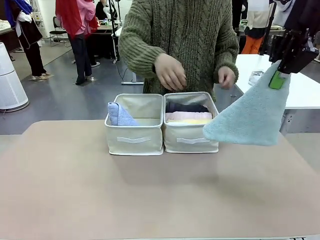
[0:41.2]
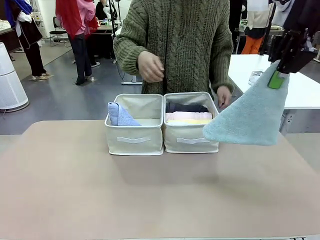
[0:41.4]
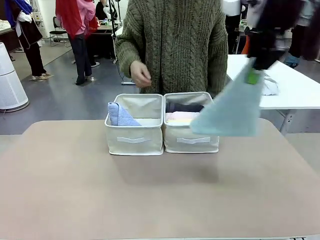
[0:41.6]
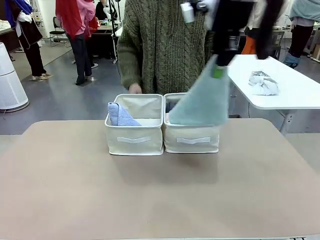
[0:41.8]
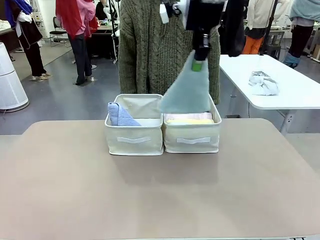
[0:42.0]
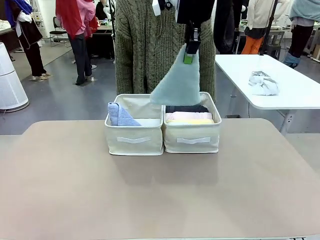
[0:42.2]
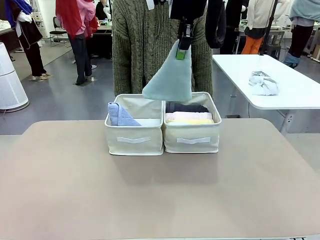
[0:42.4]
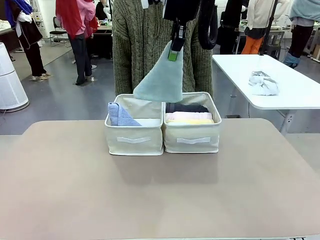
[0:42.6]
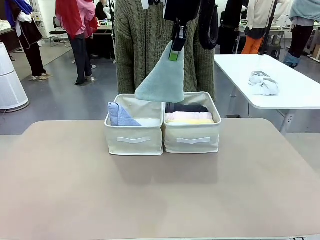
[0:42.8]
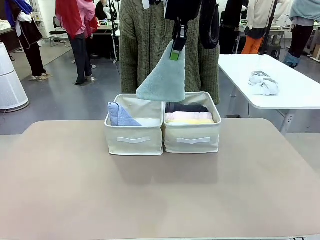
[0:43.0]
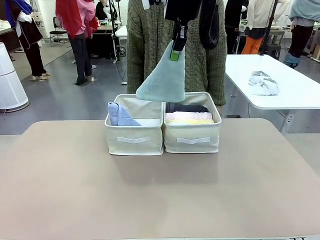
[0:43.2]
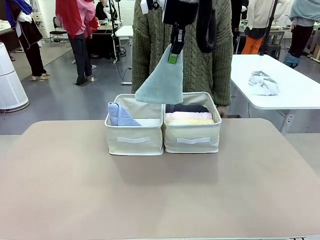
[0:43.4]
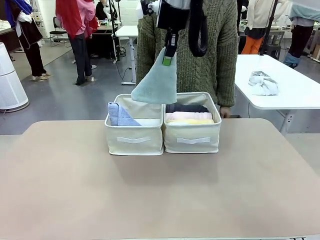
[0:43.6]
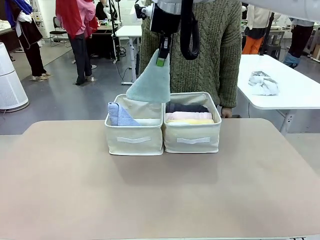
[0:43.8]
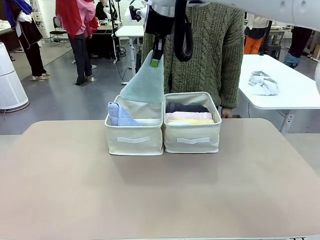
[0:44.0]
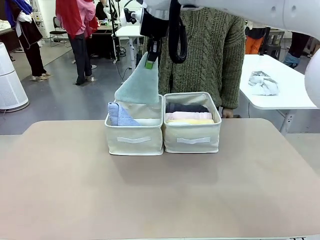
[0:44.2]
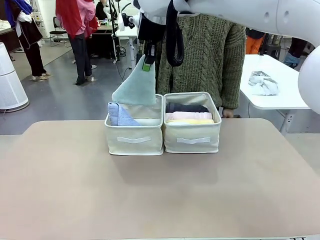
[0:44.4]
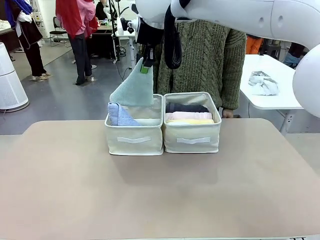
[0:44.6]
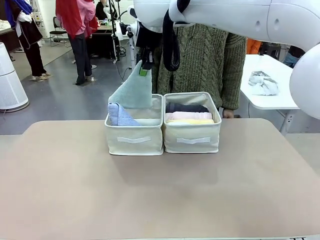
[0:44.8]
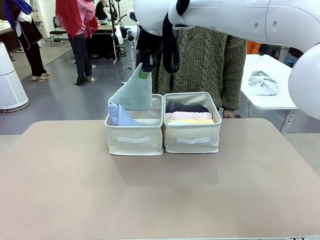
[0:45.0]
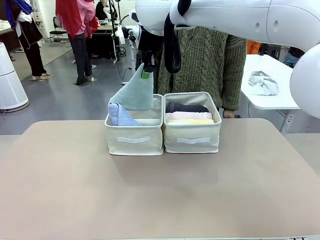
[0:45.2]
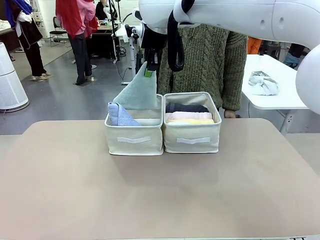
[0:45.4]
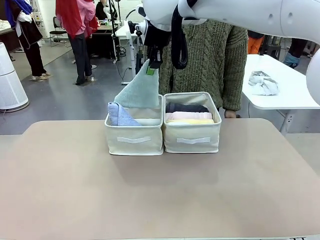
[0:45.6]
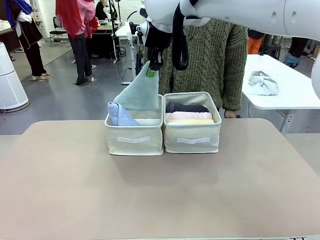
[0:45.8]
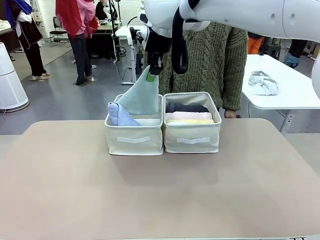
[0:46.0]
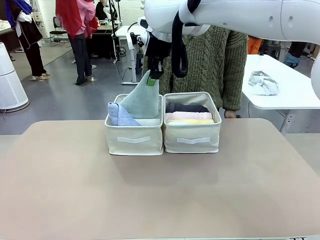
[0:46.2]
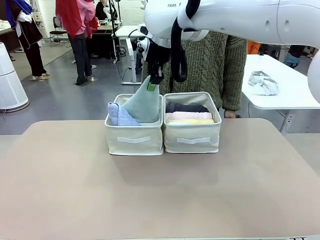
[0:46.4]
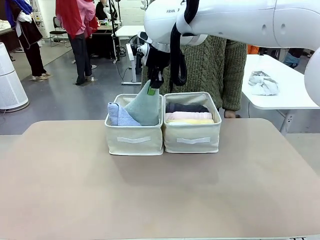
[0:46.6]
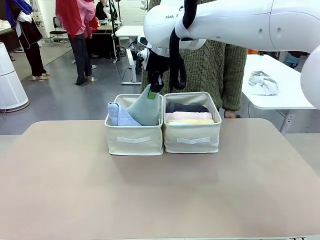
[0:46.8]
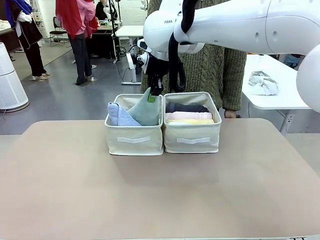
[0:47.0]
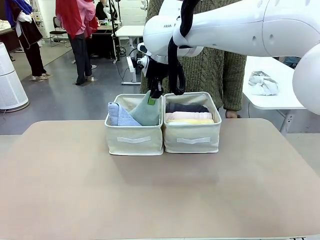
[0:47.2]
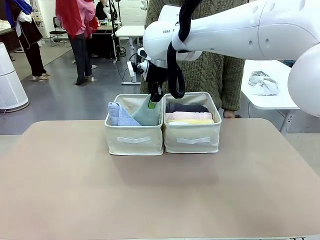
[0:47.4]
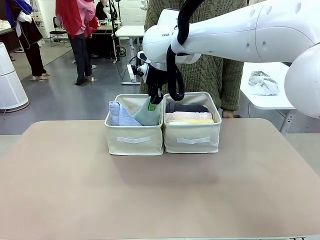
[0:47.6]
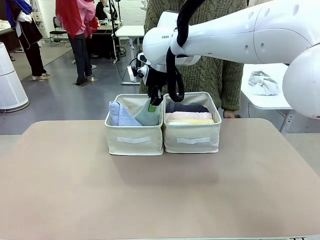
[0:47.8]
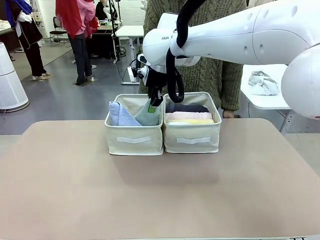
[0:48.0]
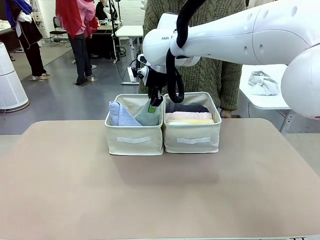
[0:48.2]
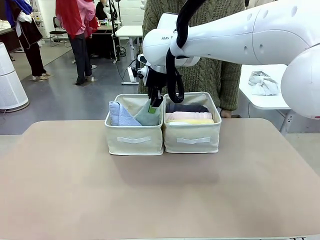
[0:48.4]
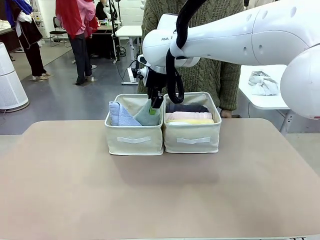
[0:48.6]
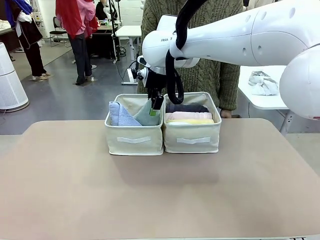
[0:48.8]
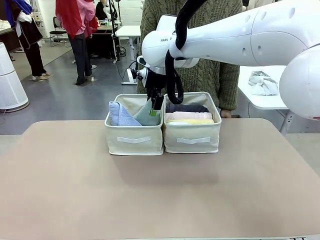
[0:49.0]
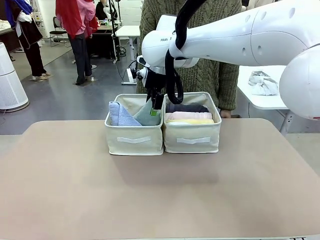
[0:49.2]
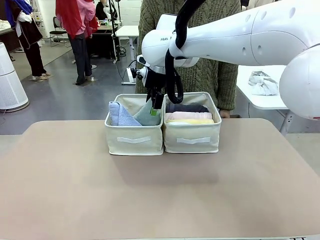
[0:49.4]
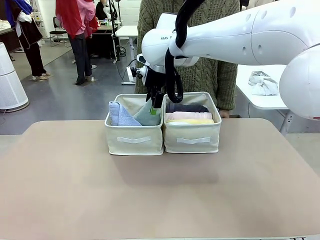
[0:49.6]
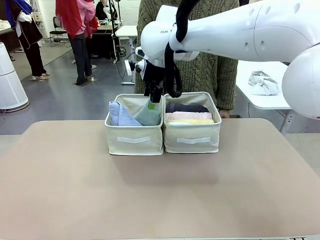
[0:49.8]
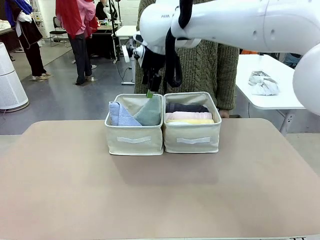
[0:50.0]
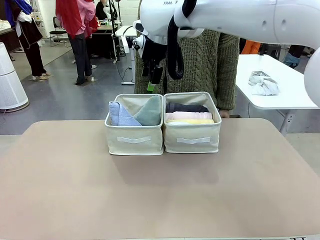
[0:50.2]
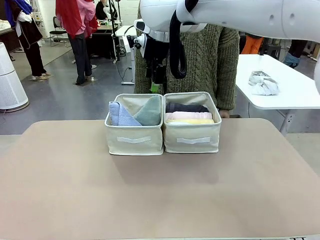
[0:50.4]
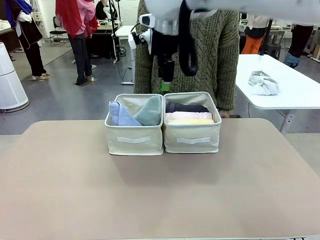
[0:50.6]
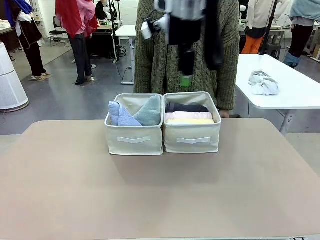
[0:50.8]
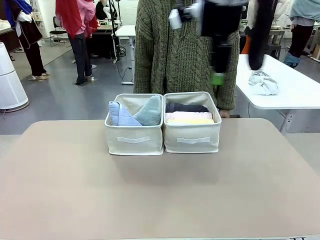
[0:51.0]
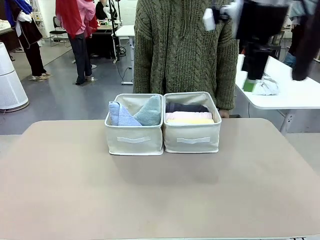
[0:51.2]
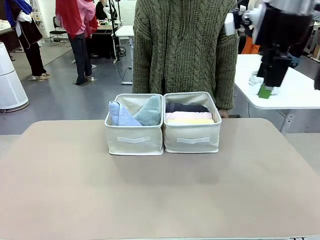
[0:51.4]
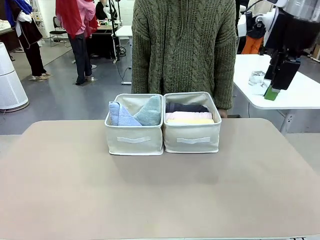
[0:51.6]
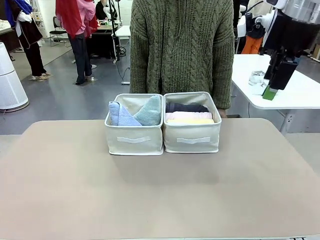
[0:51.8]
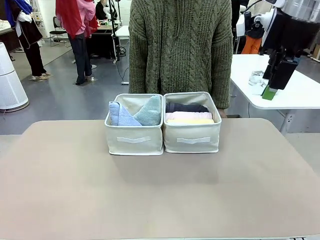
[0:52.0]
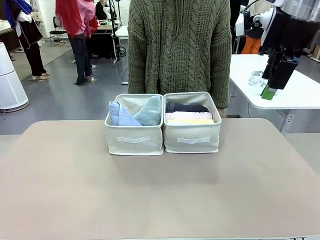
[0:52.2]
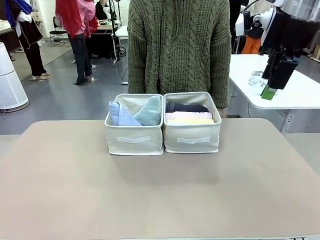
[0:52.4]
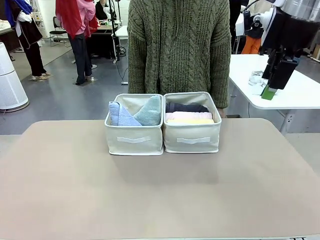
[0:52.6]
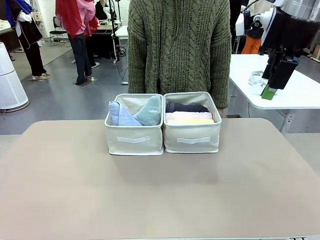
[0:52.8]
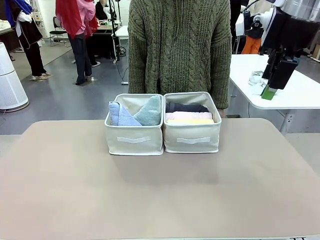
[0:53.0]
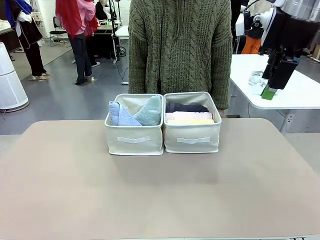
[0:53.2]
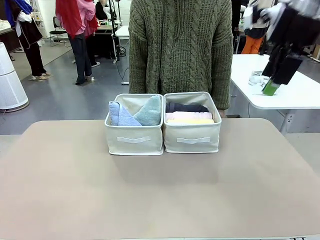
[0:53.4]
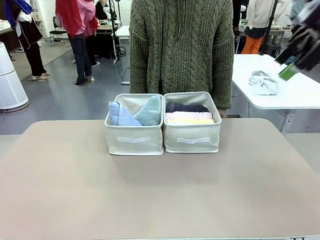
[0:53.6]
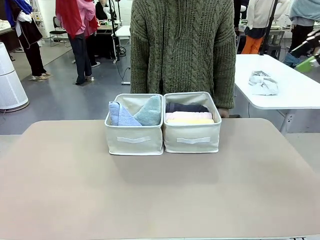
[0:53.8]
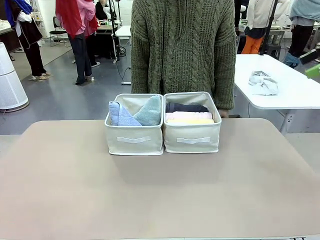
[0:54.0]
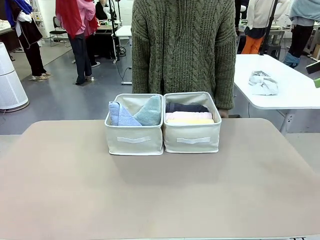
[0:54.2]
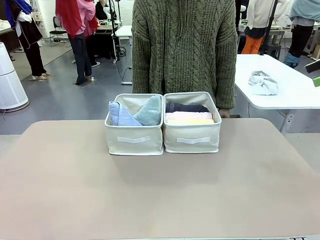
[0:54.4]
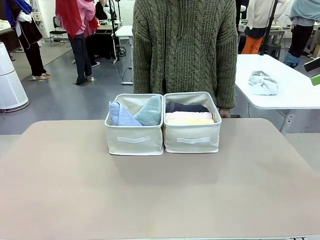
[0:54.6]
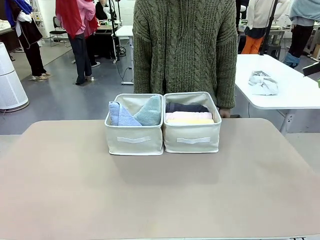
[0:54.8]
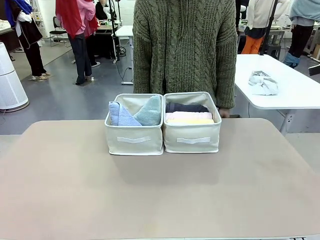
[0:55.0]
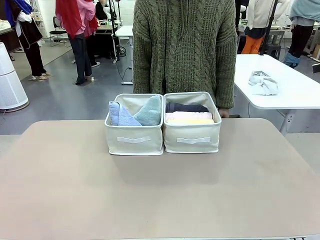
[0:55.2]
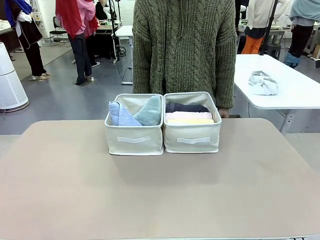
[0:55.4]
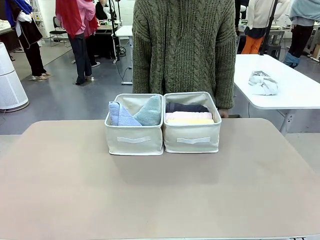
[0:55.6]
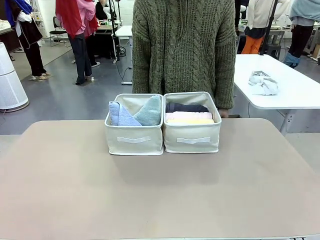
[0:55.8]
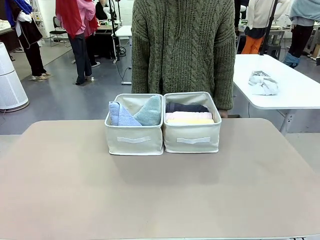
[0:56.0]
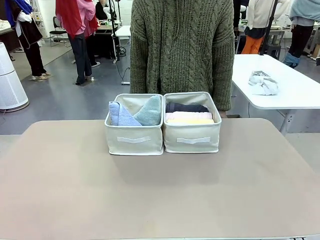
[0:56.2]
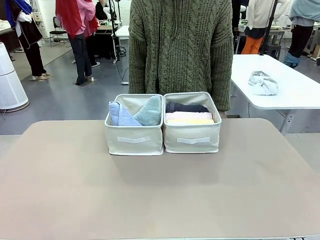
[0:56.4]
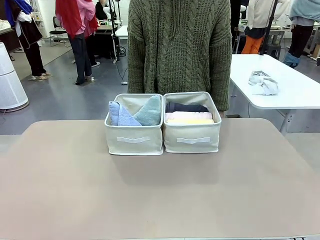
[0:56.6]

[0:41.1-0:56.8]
Task: Sort the towels based on their folding style.
Robot: Pick up another triangle-folded towel from the table and place it in the left Fabric basket.

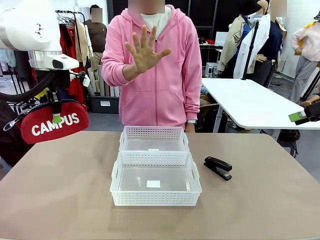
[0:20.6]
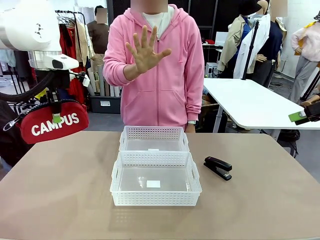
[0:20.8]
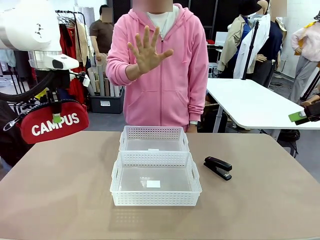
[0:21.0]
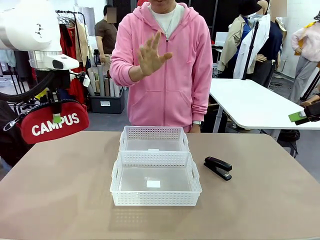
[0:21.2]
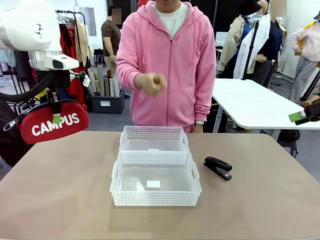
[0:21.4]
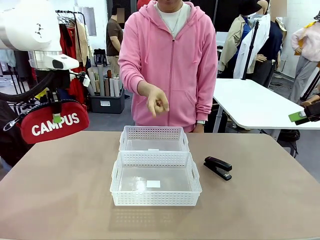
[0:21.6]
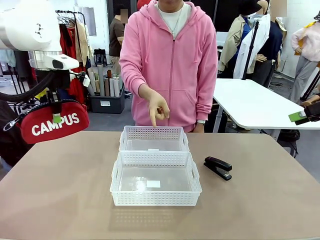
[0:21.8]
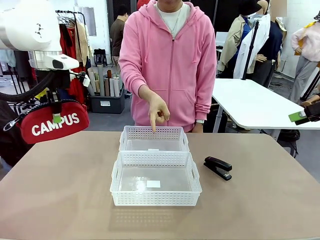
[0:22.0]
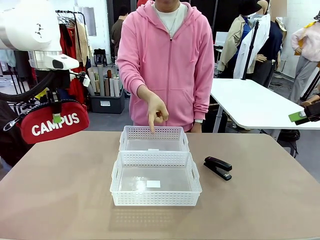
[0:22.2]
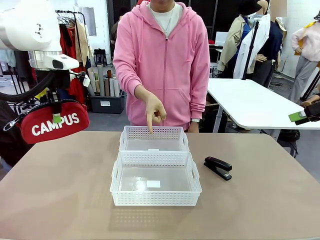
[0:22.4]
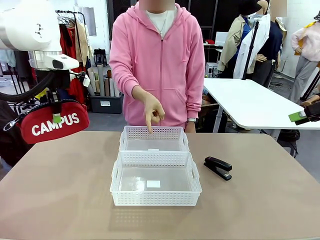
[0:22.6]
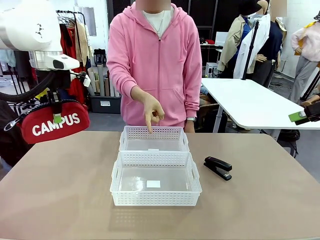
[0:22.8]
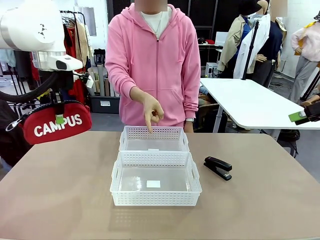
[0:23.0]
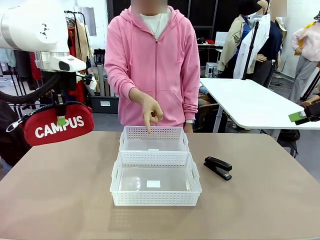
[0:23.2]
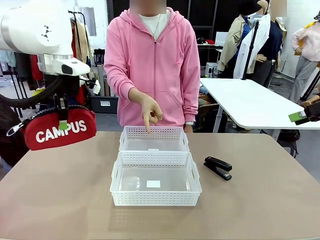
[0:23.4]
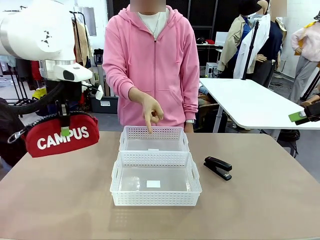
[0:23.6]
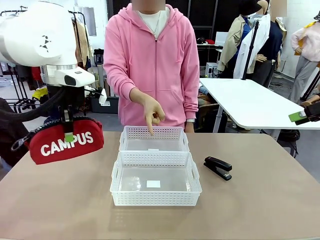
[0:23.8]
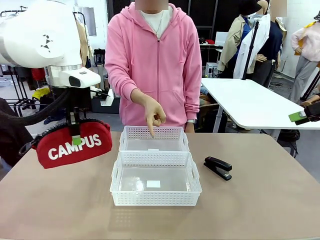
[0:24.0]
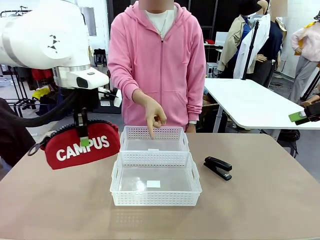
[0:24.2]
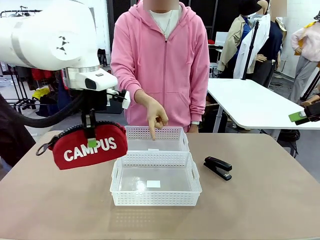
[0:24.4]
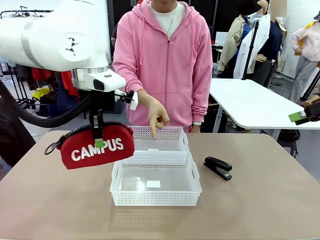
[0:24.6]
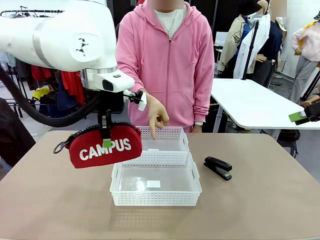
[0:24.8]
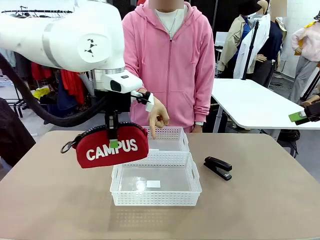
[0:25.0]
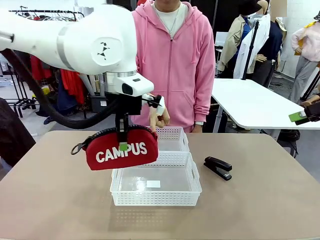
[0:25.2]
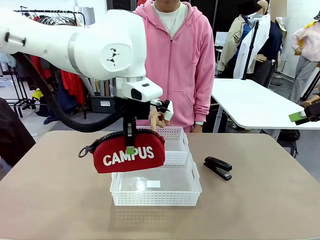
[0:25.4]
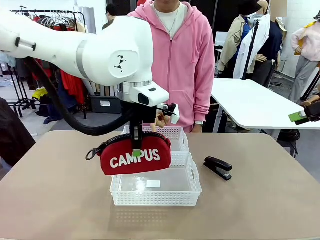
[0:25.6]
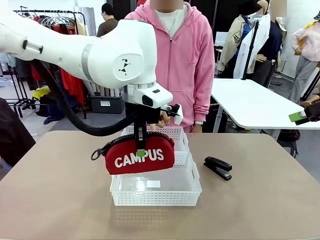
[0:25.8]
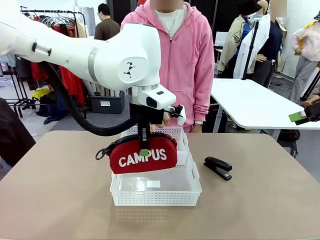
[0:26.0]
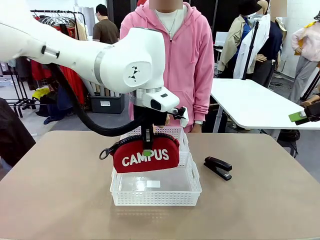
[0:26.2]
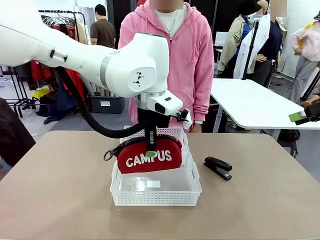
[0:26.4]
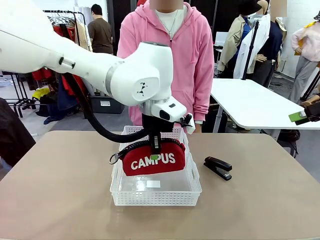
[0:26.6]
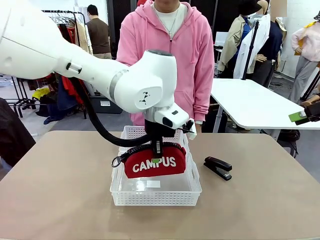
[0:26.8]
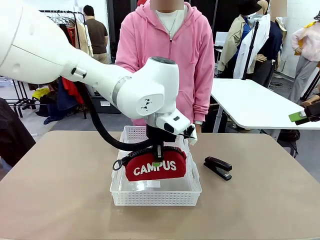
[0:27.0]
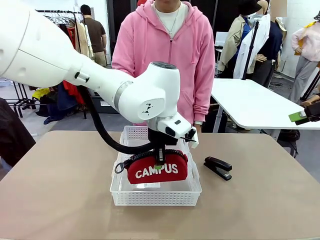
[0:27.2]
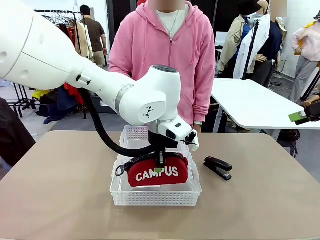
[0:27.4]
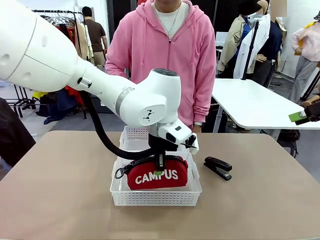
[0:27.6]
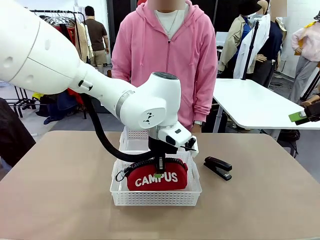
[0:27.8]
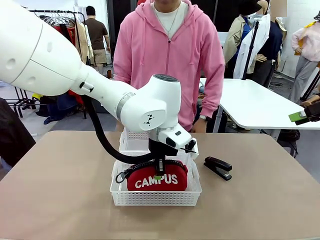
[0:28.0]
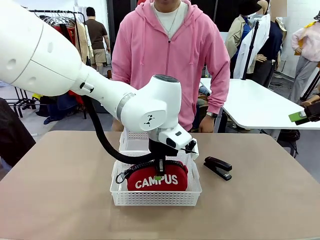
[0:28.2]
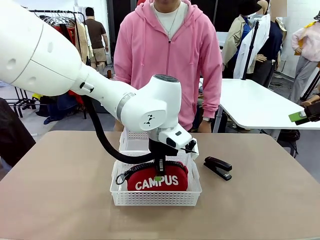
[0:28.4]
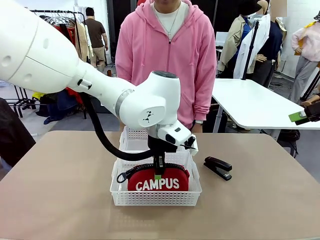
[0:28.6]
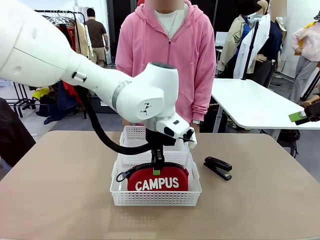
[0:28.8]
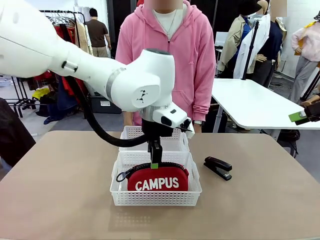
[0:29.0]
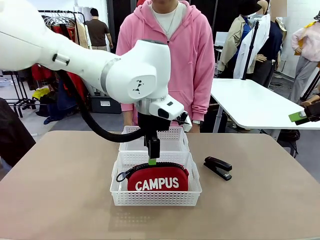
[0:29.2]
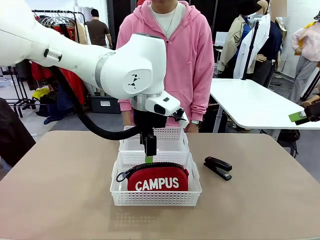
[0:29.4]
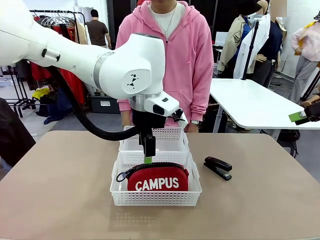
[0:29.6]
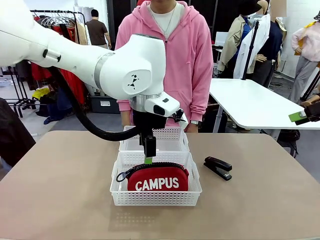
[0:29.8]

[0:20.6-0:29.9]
Task: Distribute items into two baskets.
Robot: Place the picked Pencil pouch into the Organizing basket as instructed by the person.
Person: Instructs the robot to place the pencil case into the opposite basket. Points to the stapler.
